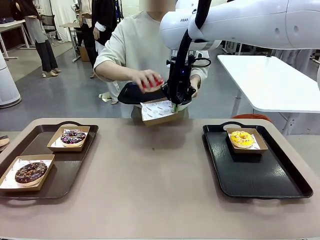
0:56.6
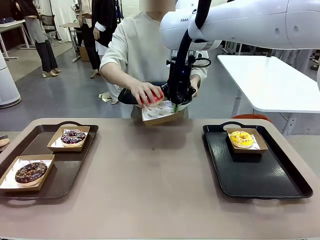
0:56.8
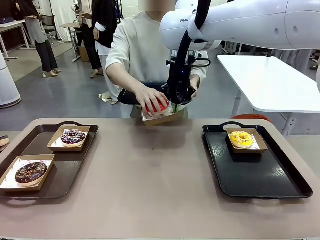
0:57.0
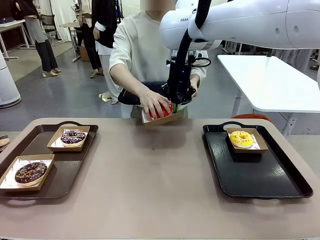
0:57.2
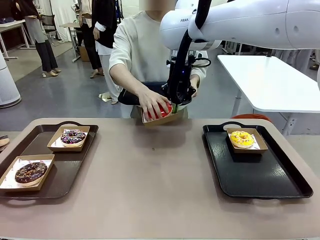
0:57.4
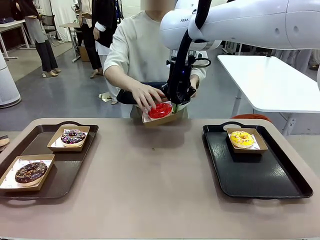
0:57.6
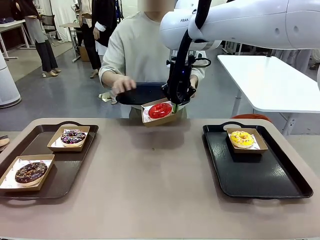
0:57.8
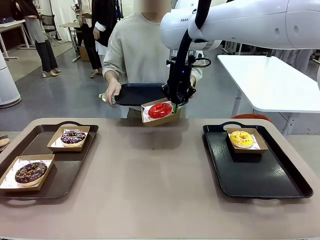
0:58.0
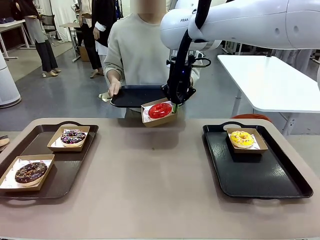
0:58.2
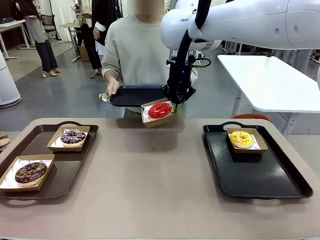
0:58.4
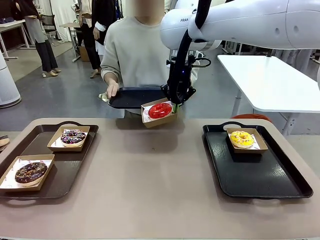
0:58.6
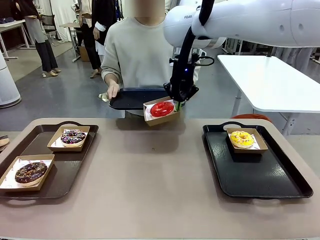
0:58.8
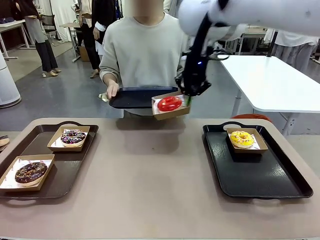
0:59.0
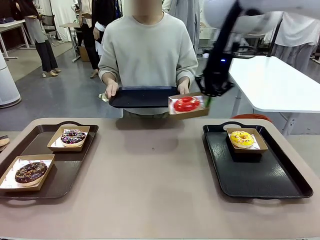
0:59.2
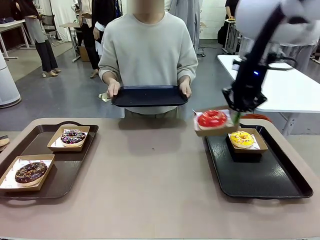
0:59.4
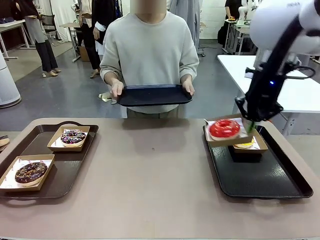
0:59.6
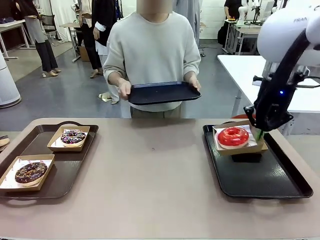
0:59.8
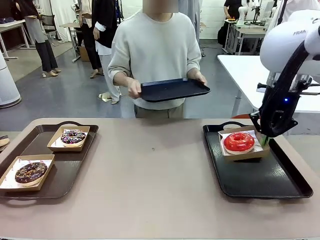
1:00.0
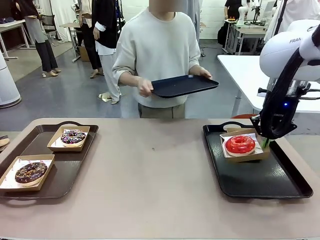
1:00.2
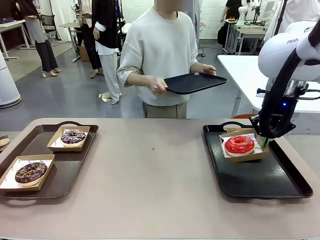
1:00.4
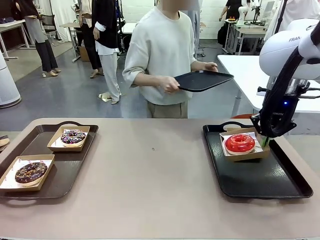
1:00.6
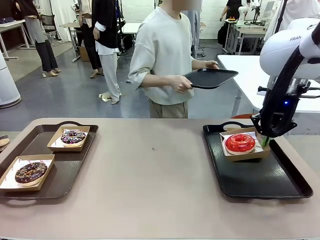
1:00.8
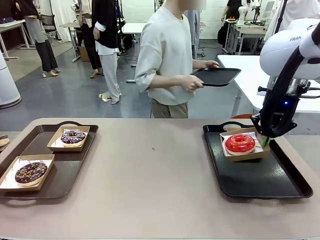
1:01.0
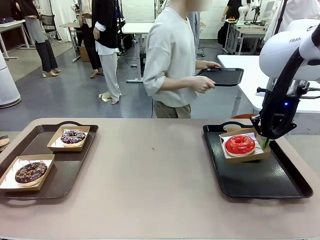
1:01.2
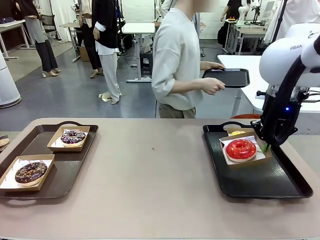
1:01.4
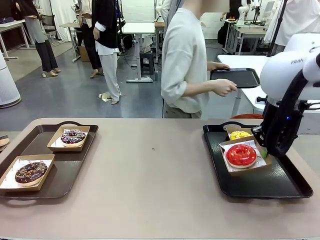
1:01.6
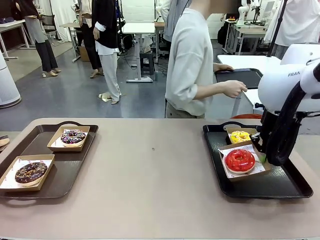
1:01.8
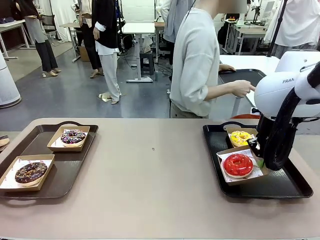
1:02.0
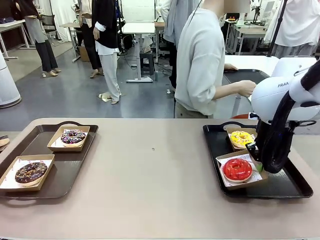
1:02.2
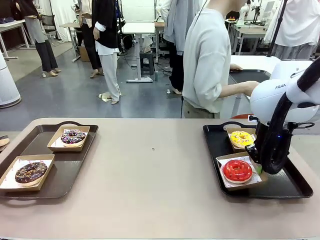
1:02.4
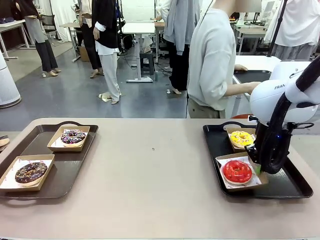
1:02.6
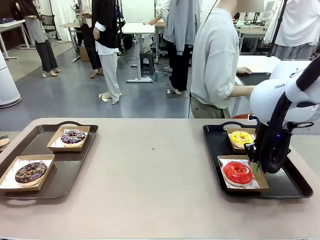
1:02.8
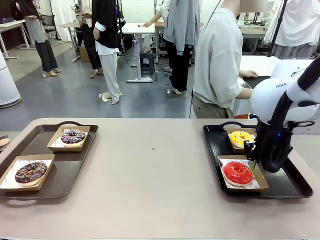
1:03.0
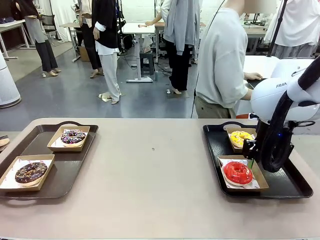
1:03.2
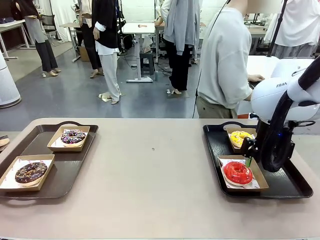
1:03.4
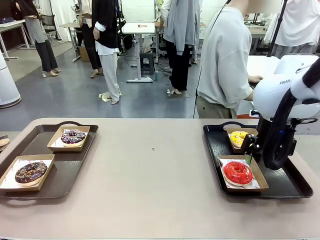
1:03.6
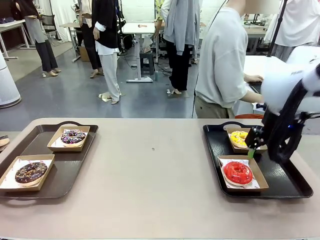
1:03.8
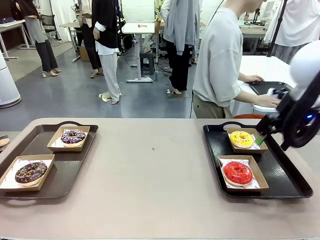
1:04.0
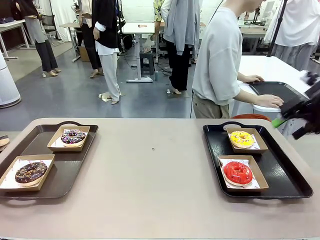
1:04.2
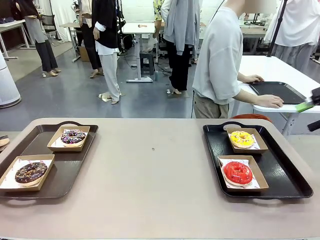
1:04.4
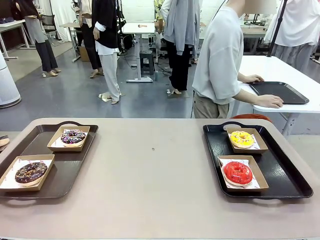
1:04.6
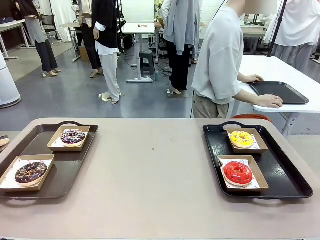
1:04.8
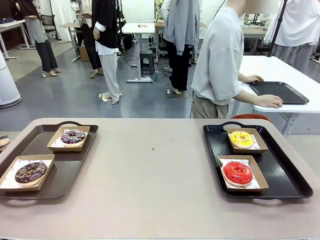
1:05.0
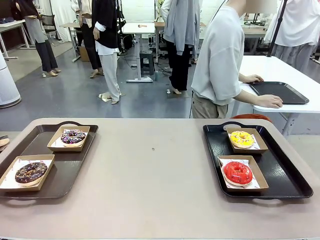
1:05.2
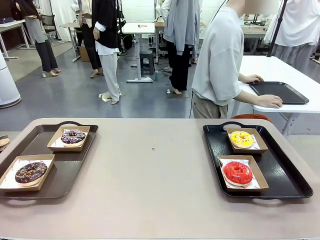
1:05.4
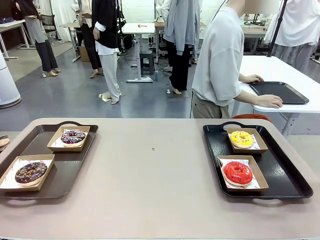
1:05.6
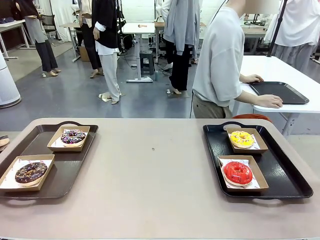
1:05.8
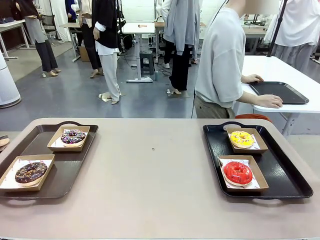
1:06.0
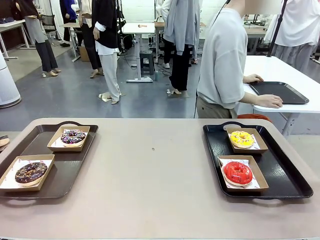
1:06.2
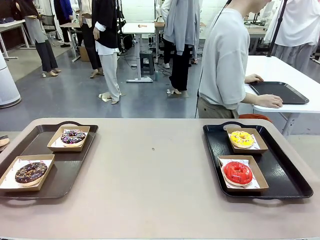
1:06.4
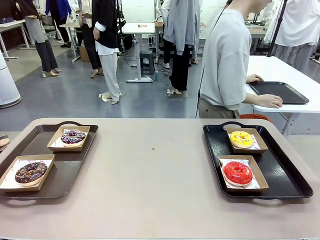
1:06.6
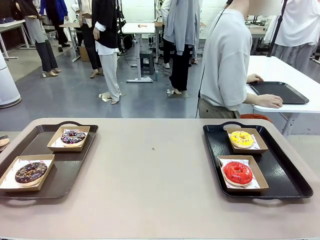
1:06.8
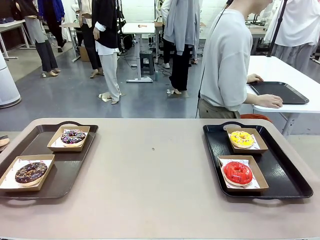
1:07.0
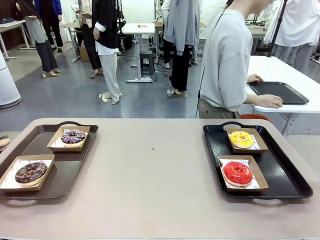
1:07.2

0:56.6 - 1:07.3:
Task: Individually package the donuts and arrange them on the tray.
Robot: Place the picked Paper togo box on the Handle tray.
Person: Place the tray down in the middle of the human table.

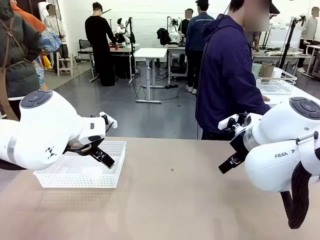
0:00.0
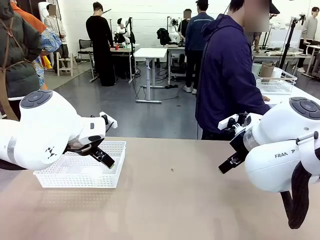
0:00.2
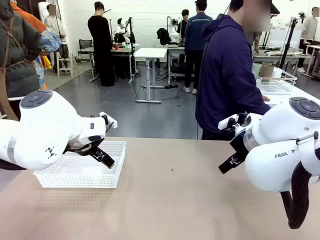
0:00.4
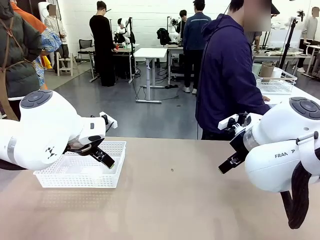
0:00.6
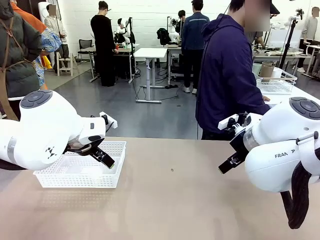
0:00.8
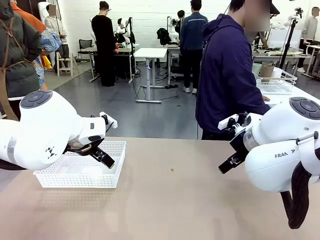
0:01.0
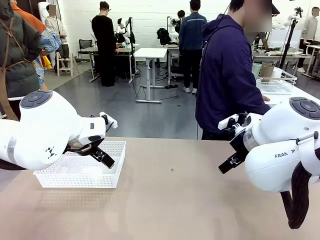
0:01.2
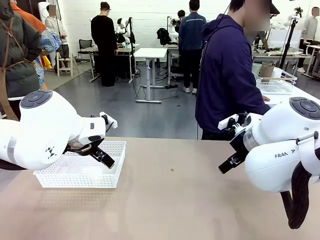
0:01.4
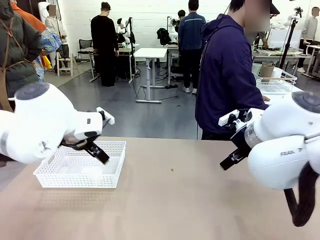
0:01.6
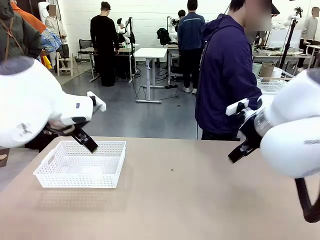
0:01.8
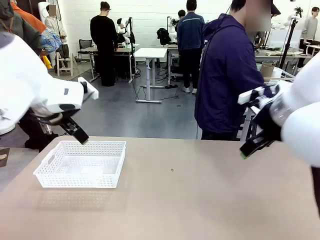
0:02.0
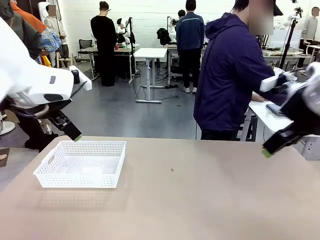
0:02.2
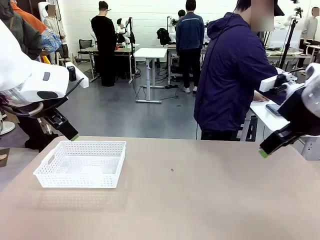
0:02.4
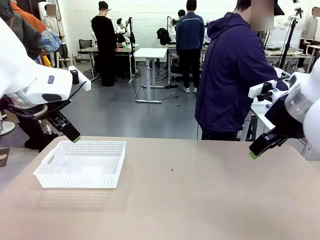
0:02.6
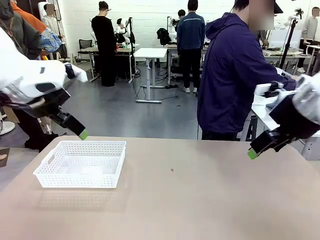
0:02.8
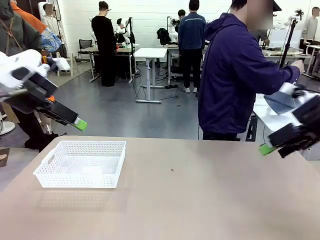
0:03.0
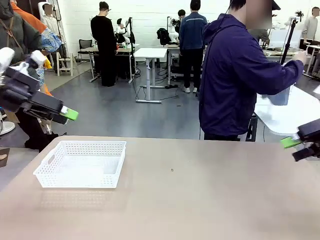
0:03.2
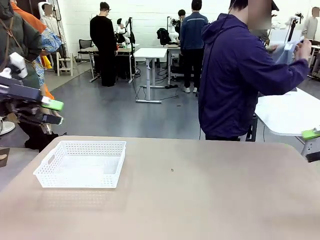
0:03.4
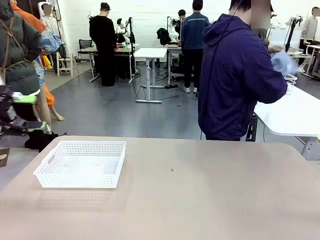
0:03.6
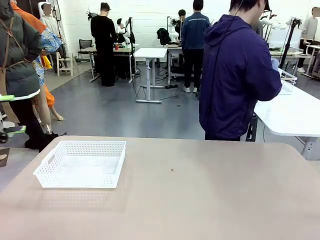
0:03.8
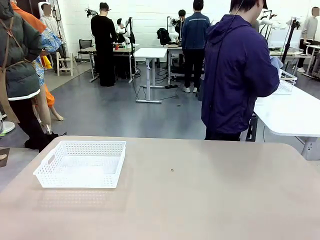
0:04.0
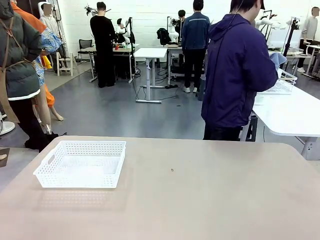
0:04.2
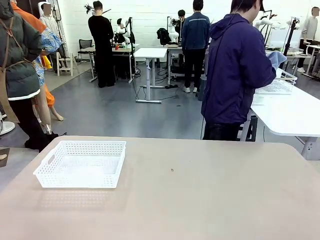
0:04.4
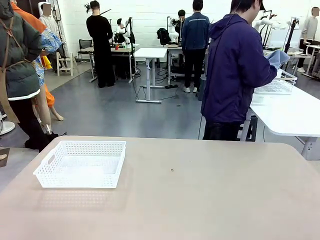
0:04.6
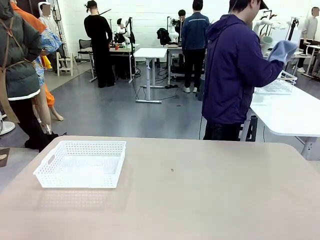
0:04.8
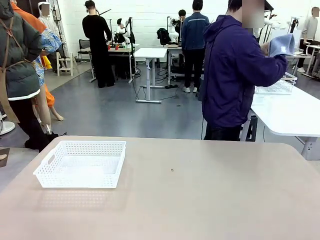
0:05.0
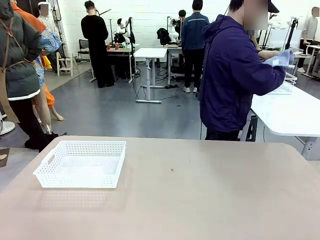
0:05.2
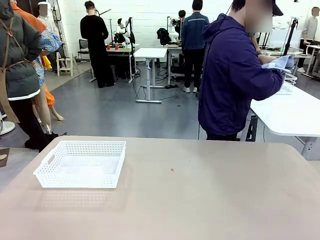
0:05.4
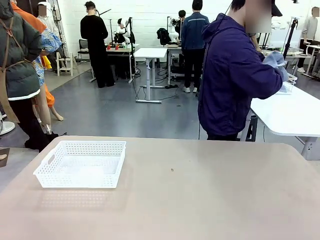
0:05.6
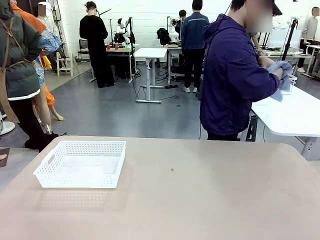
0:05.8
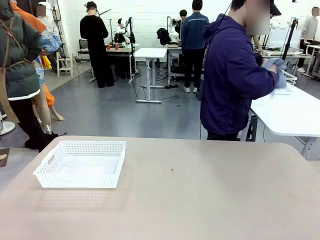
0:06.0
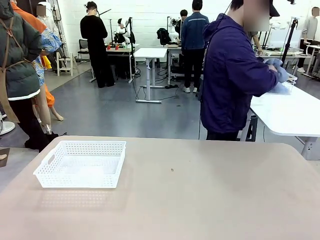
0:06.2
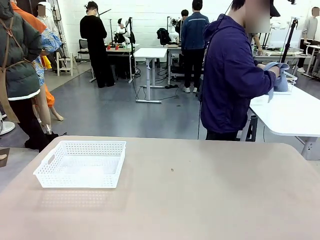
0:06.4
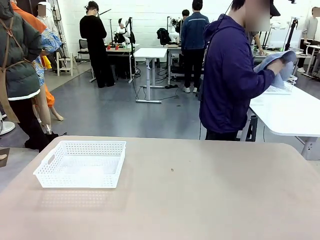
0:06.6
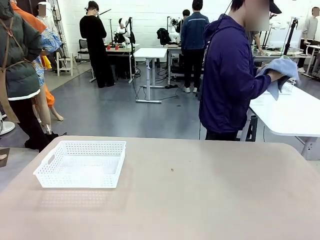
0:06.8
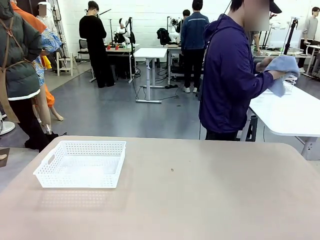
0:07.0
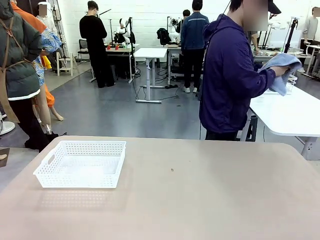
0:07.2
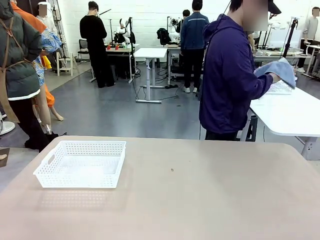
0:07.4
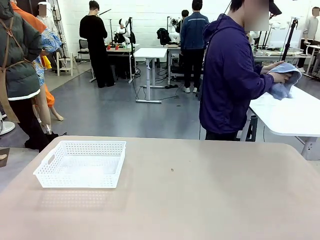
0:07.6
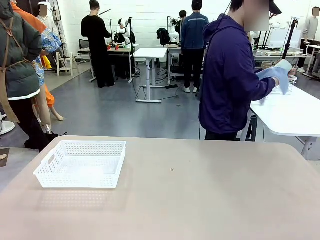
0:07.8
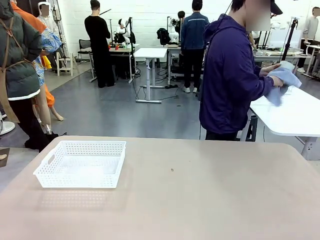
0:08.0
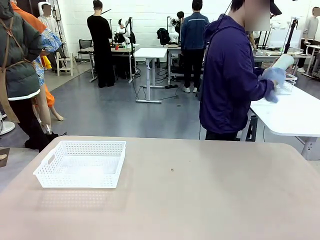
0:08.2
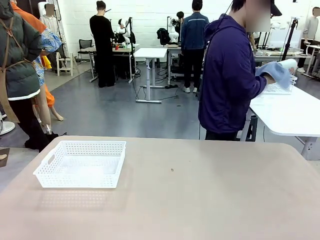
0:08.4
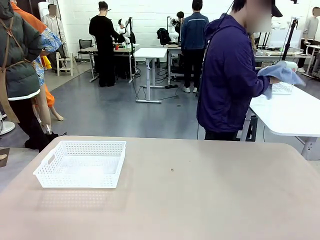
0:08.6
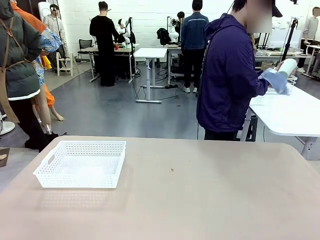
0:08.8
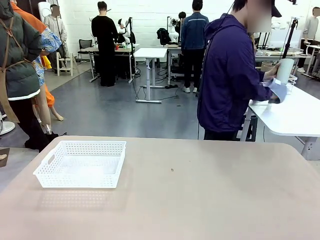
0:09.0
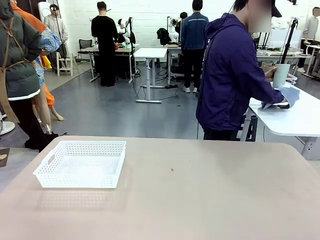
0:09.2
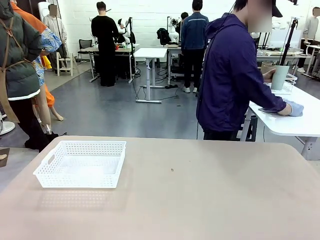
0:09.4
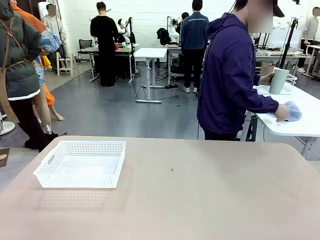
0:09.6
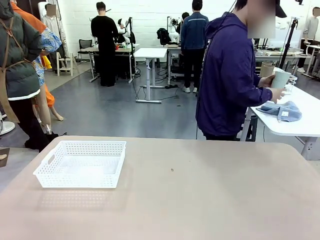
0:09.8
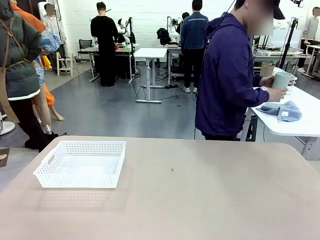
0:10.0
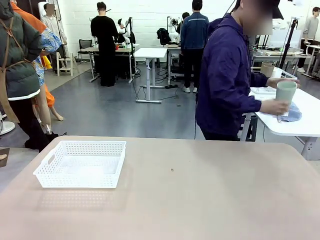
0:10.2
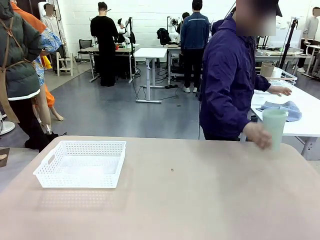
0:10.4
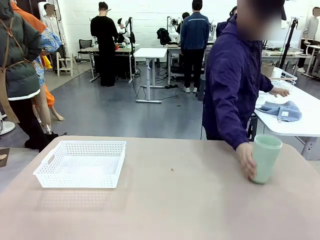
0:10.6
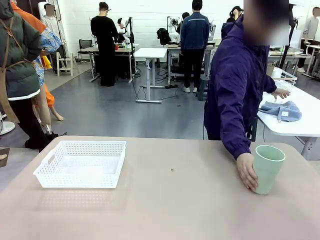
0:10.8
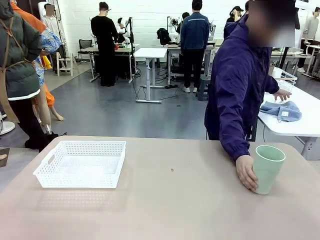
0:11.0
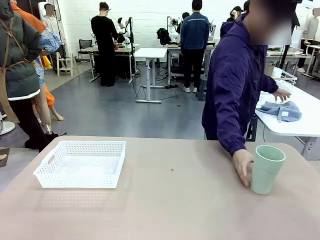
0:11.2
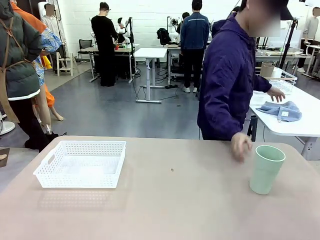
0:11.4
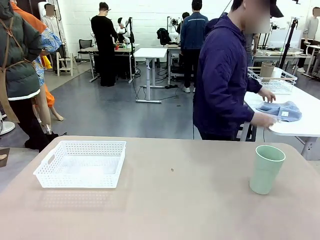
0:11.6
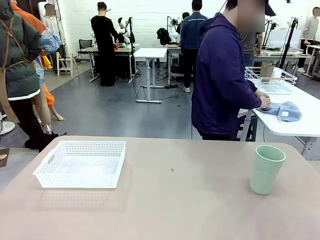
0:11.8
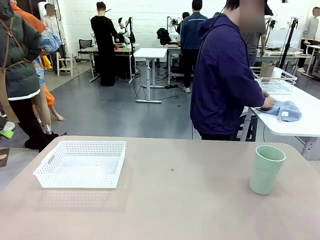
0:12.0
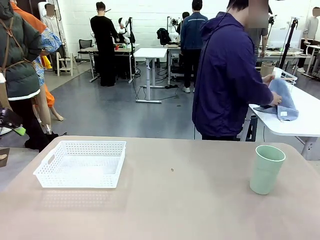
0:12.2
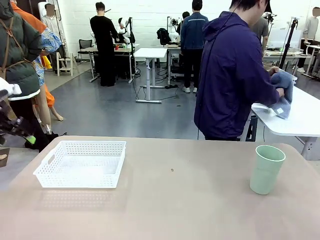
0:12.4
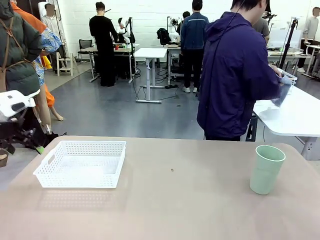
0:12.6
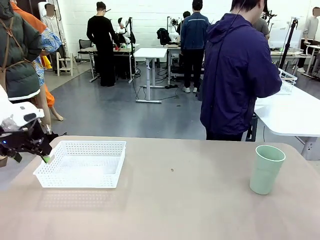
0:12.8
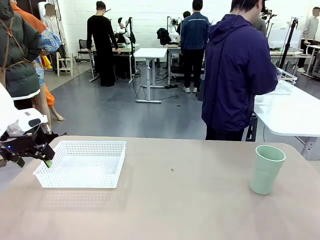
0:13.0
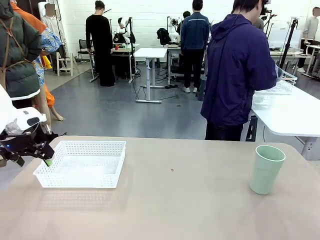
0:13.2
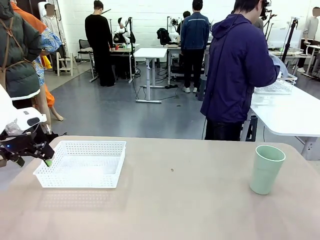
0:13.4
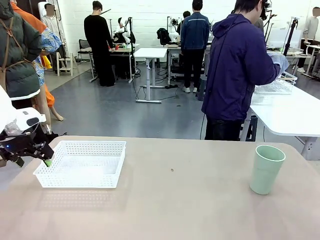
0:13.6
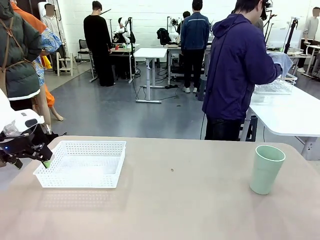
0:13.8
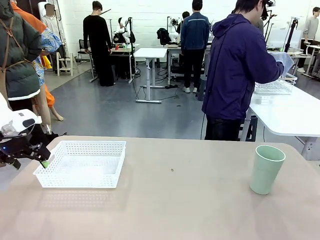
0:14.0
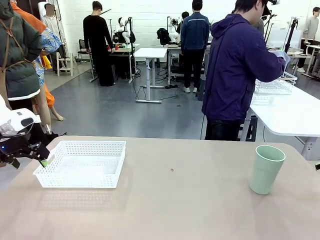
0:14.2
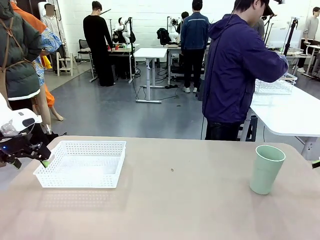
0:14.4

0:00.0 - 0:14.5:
Task: Clean and organize the cups into the basket.
Robot: Pick up the Organizing basket and move it to the center of the table, then pick up the Reusable plastic cup from the right side of the table and place it inside the Organizing basket.
Person: Picks up a cup and a towel, cleans the cup with the towel, and places it on the left side of the robot table.
